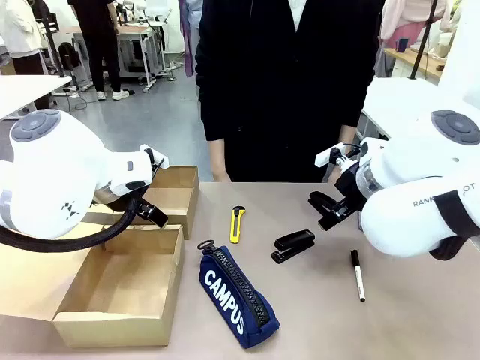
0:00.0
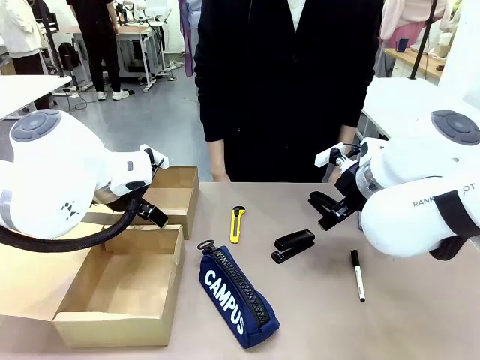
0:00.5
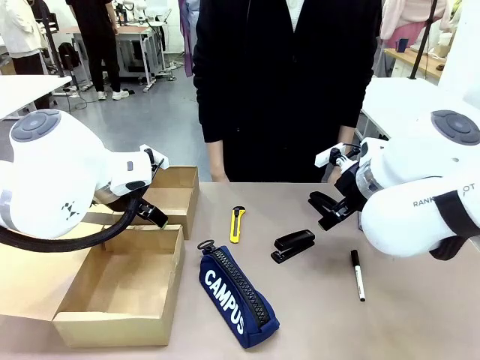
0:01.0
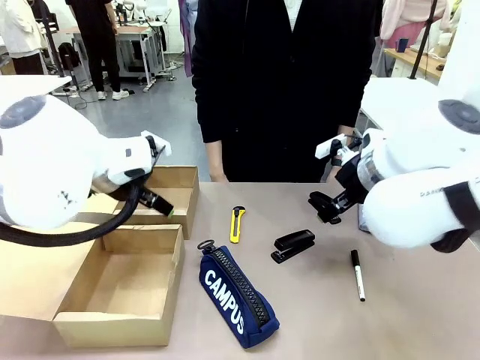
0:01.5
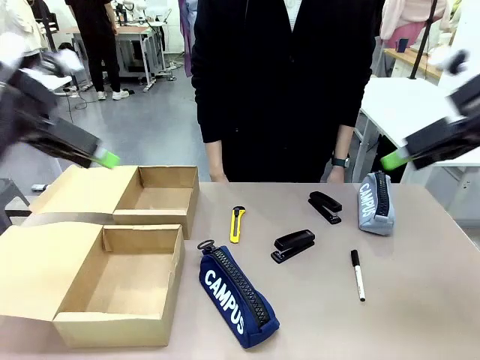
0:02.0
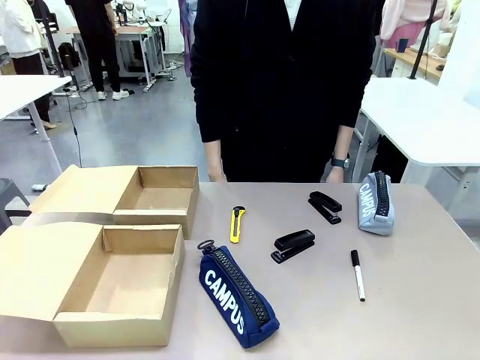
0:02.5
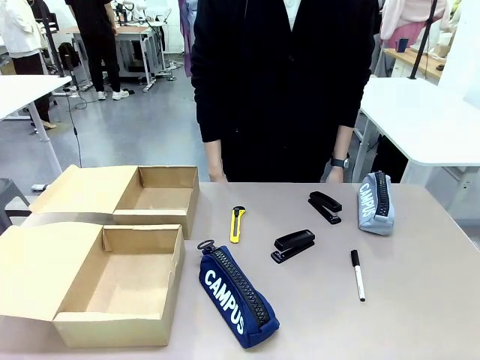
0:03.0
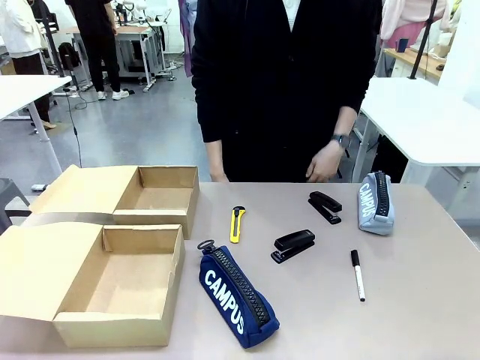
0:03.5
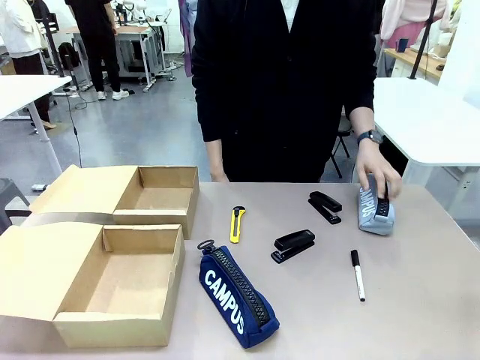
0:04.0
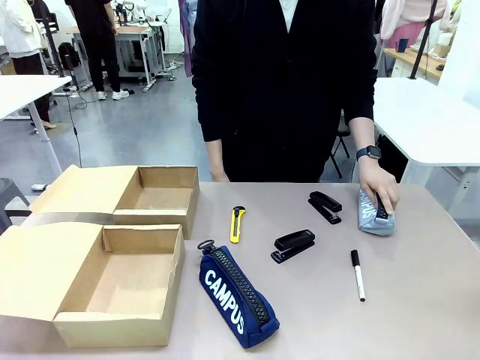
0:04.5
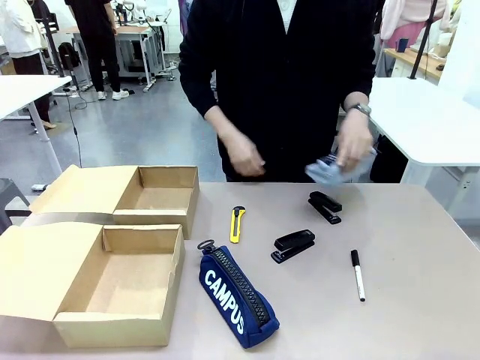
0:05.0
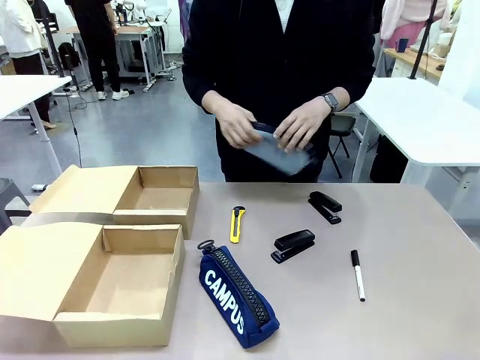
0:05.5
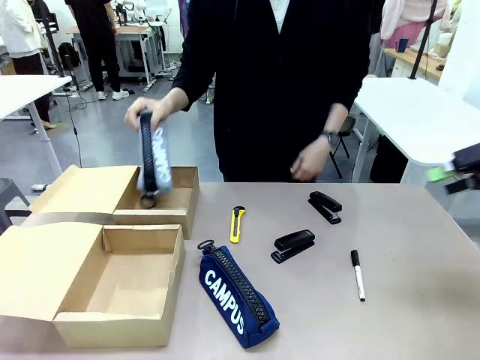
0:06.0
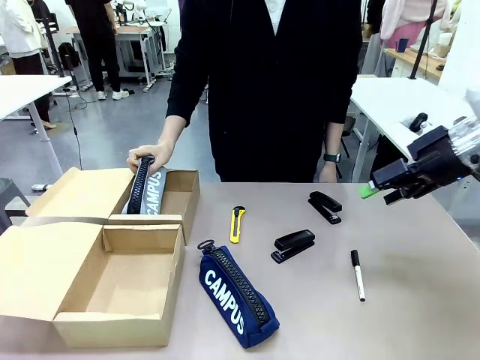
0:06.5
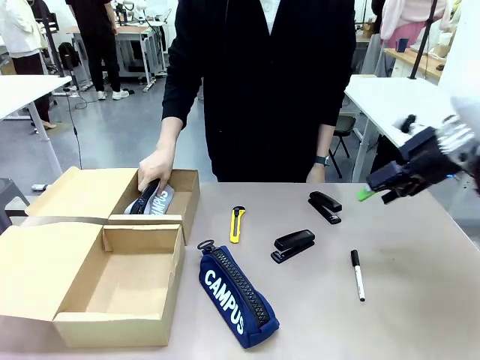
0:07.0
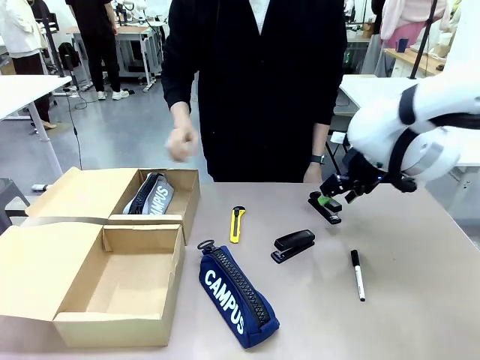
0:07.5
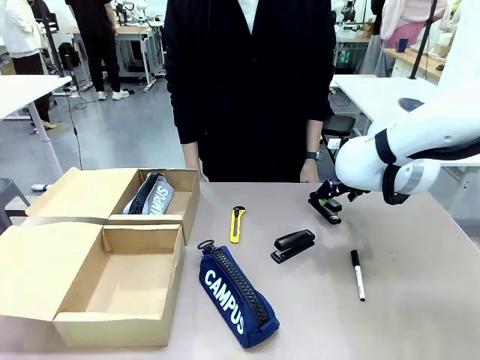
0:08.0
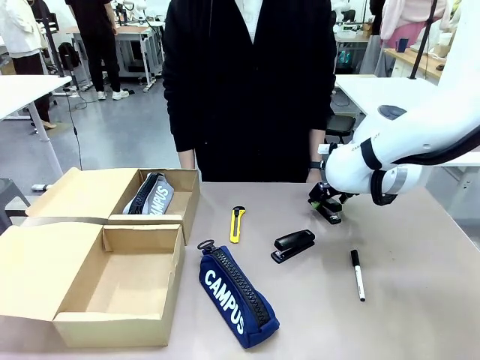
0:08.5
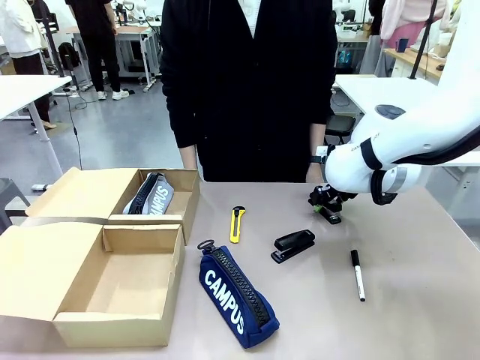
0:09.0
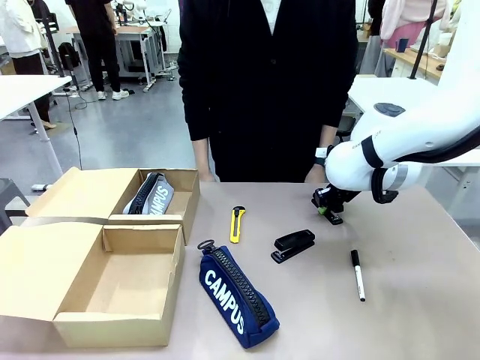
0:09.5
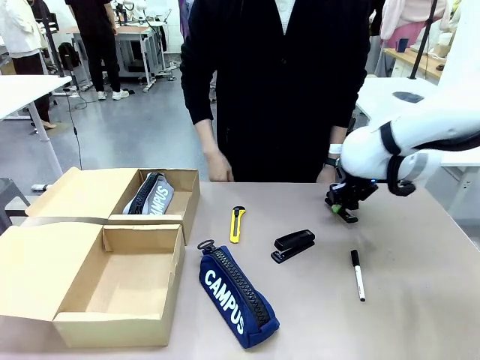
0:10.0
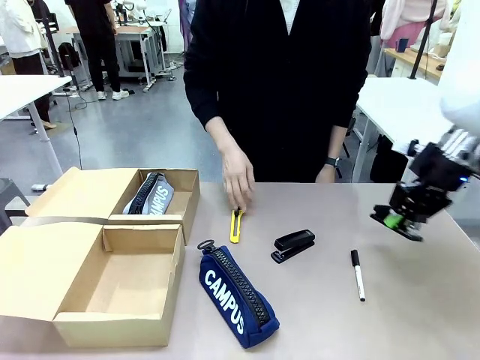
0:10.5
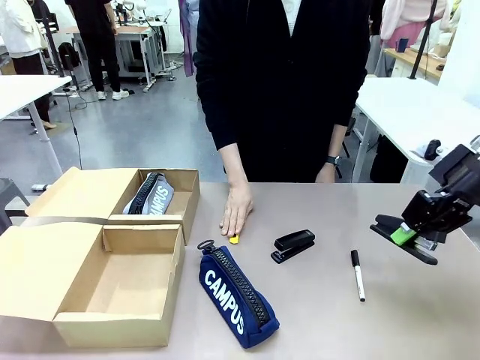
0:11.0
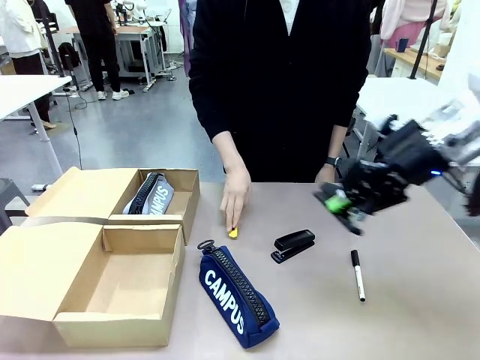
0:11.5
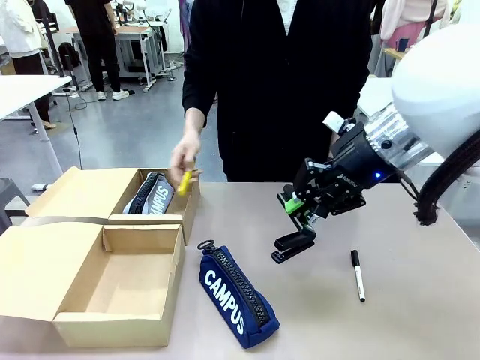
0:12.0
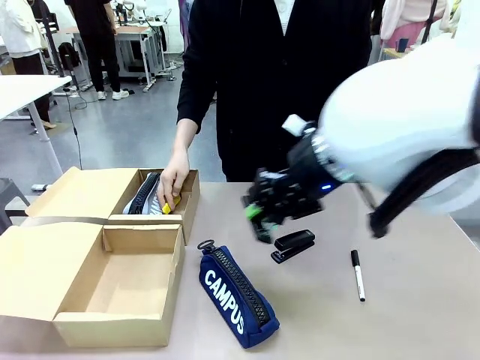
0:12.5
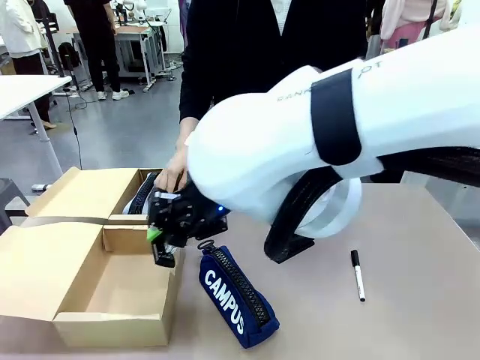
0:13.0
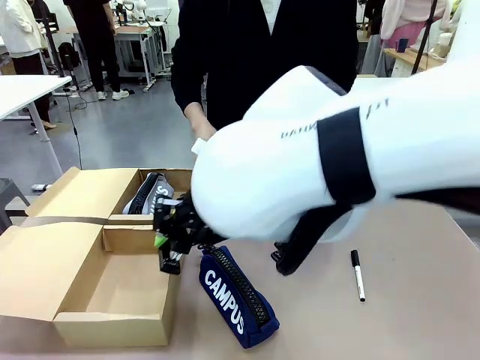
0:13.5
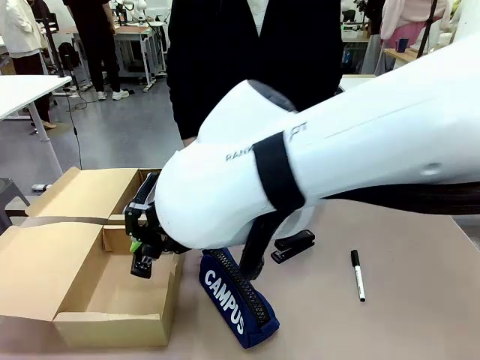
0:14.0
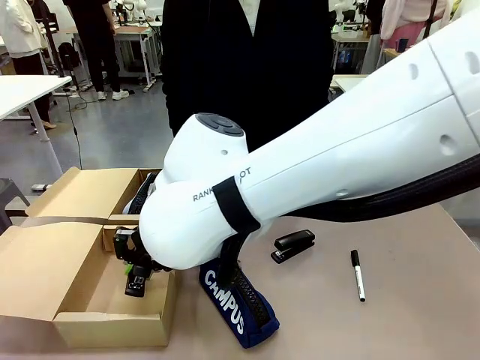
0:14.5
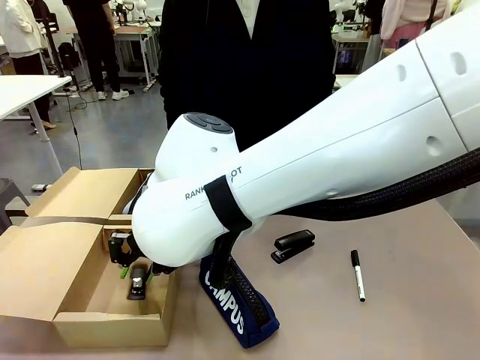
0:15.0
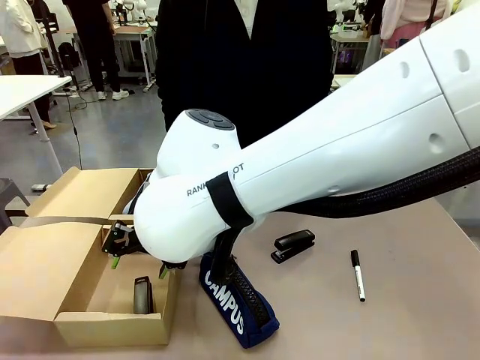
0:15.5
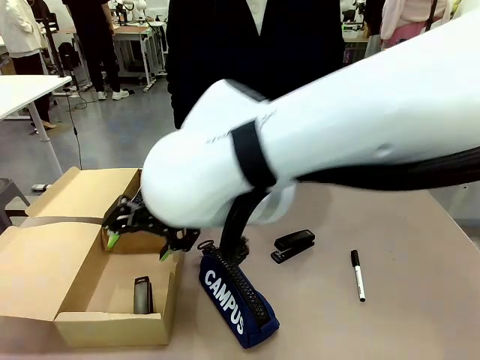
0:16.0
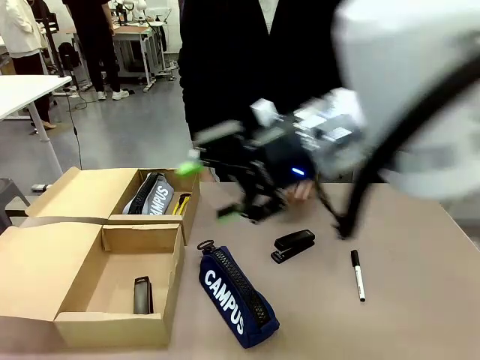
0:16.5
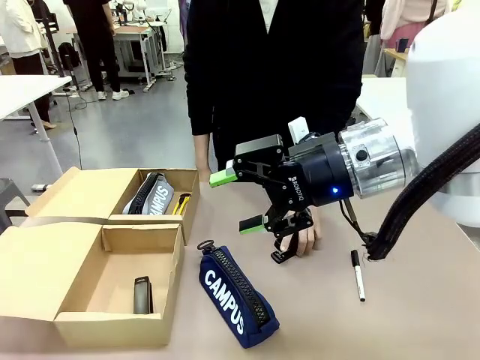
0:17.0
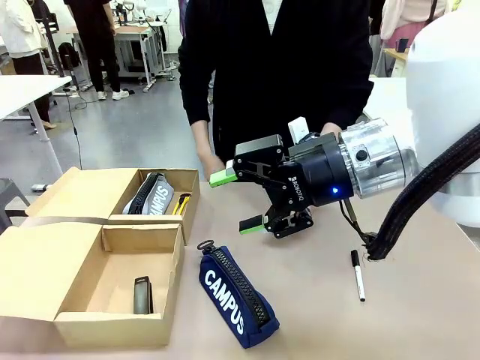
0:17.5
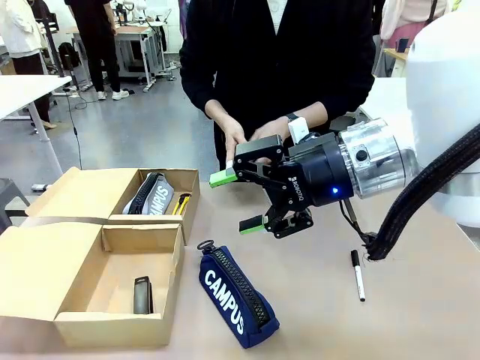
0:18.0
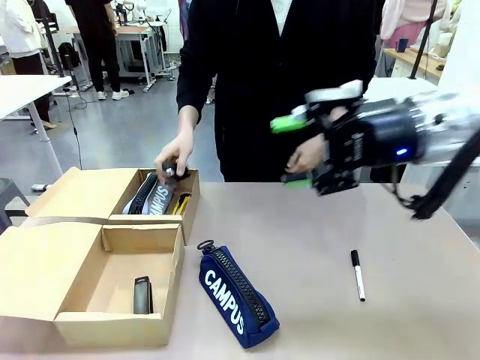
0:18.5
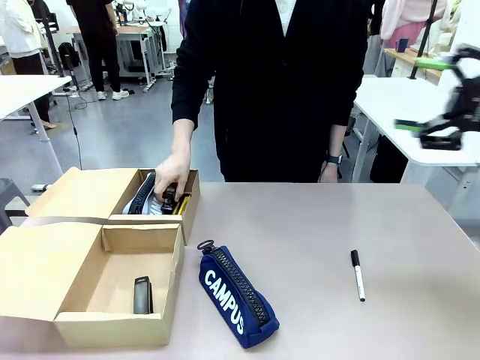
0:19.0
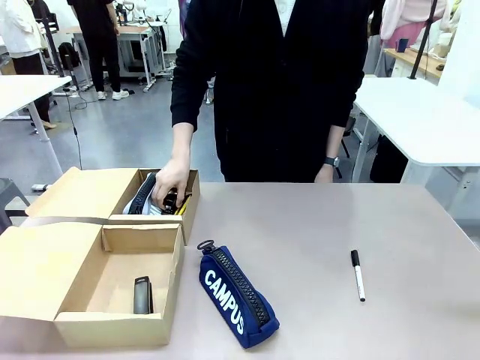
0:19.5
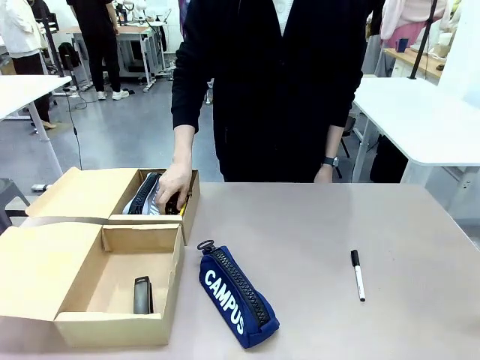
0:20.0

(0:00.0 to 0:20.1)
Task: Place items inside the box.
Robot: Pick up a Pencil pouch or Stapler and place it inside the Mailer Box closest to the robot.
Person: Pick up an object on the table and put it in the box.

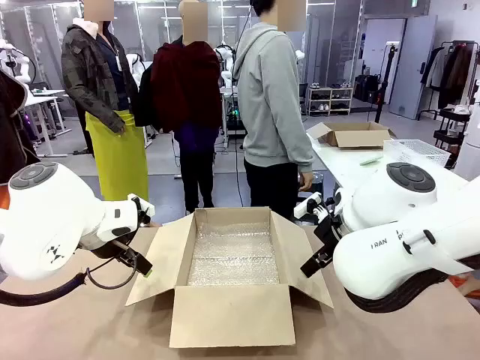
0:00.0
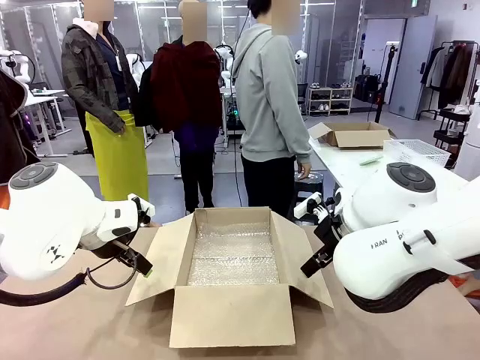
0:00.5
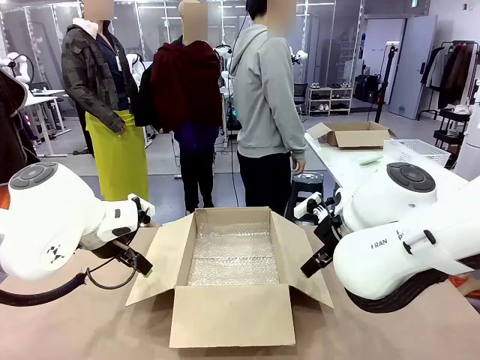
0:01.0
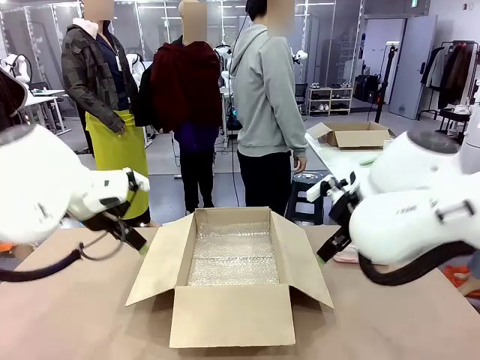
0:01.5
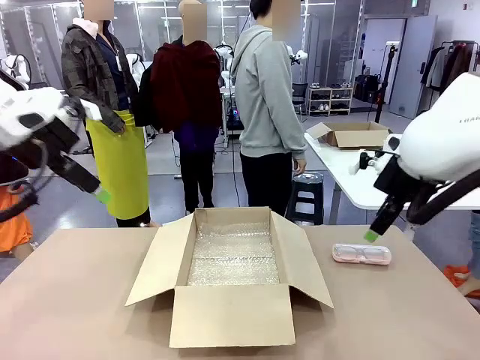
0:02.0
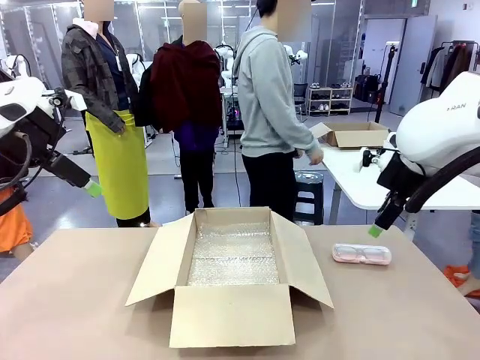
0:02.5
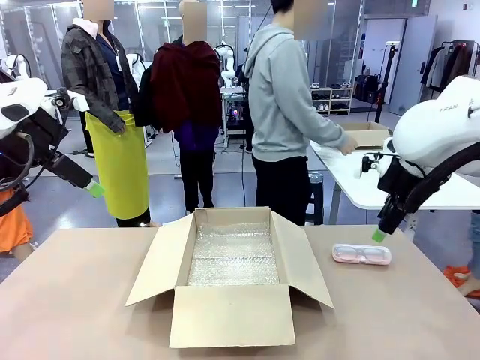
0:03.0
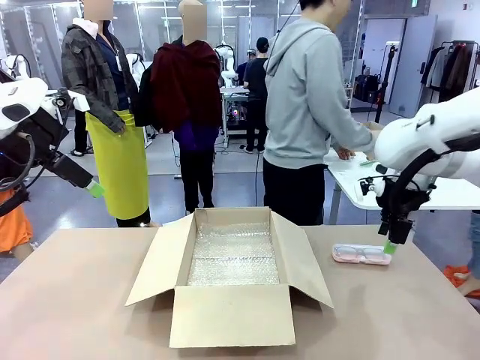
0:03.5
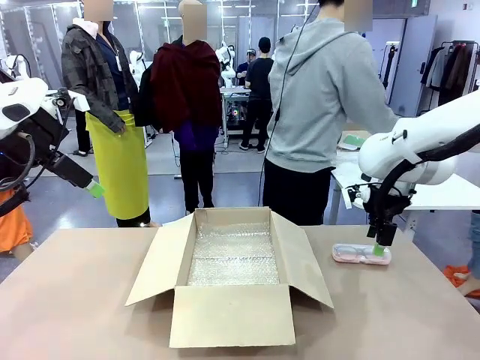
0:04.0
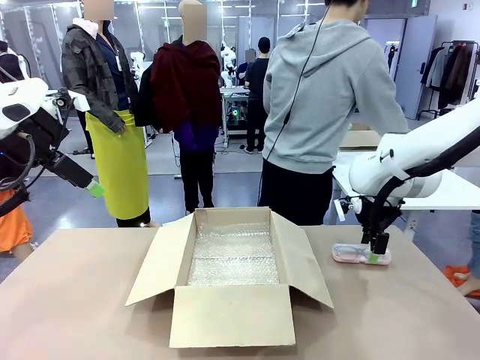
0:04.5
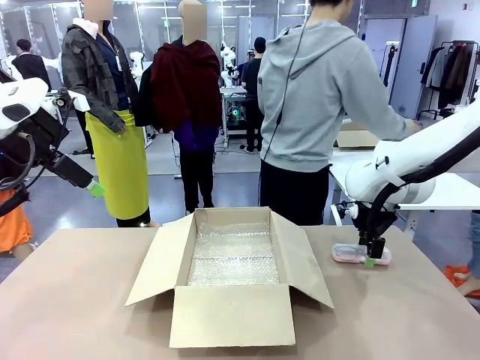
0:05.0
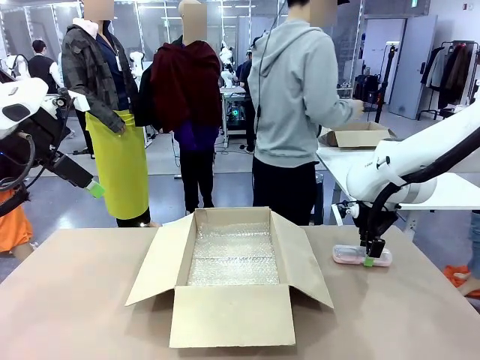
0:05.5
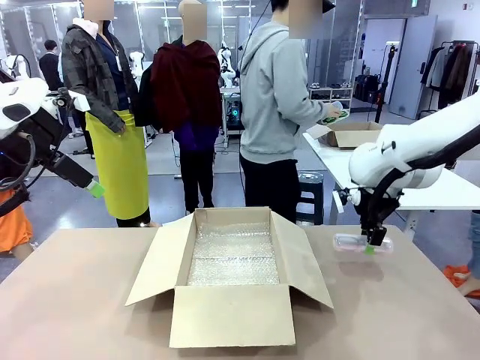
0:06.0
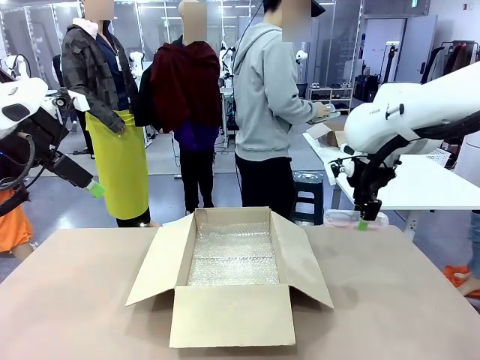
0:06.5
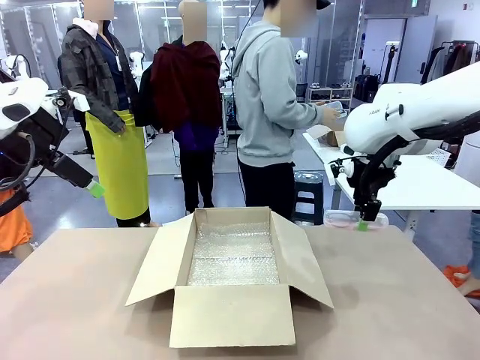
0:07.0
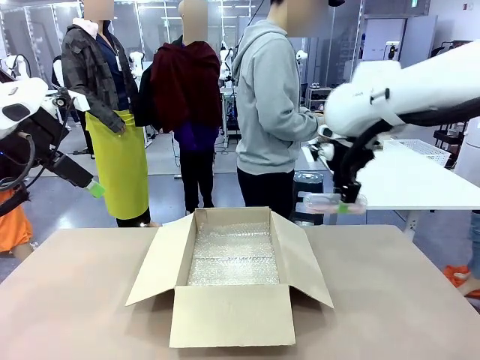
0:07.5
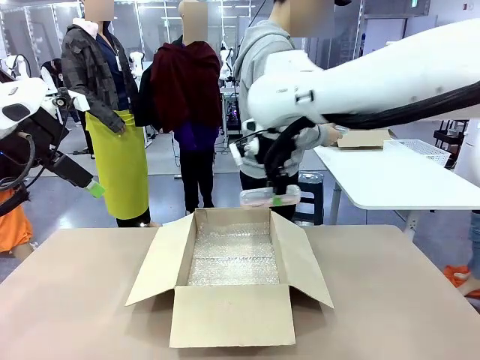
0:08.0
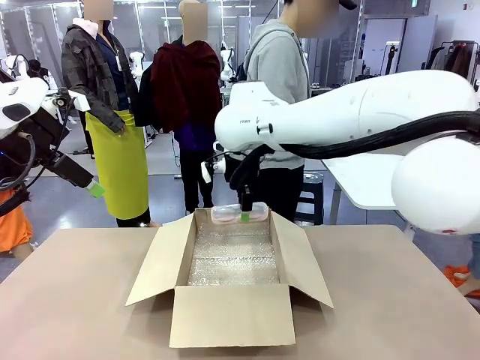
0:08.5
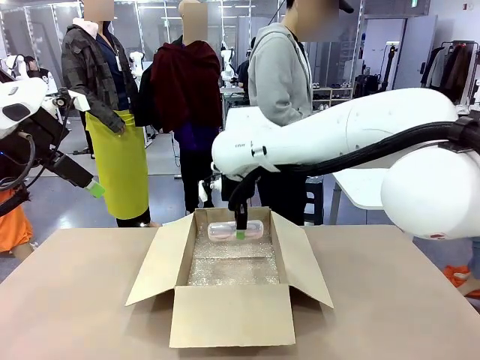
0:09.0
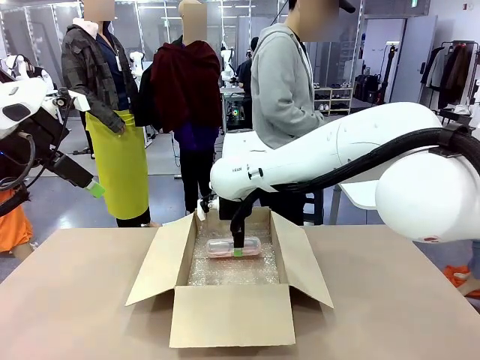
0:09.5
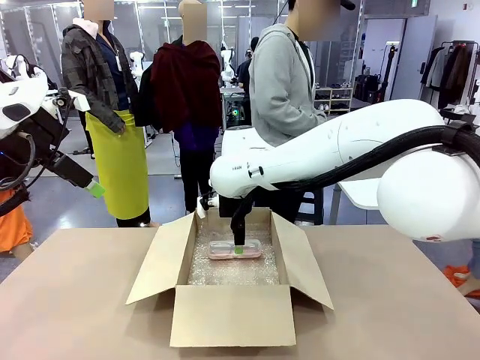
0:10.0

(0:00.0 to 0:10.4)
Task: Pack the glasses set securely to prepare it for shipping.
Robot: Place the Glasses case inside the Package Box.
Person: Place the Glasses inside the Glasses case.
